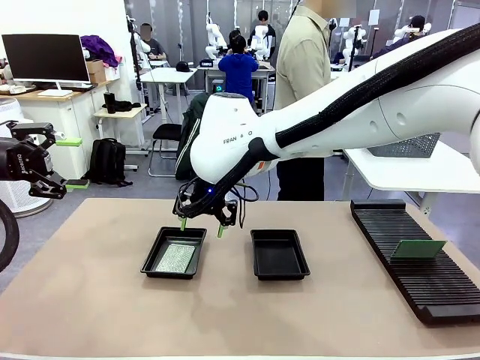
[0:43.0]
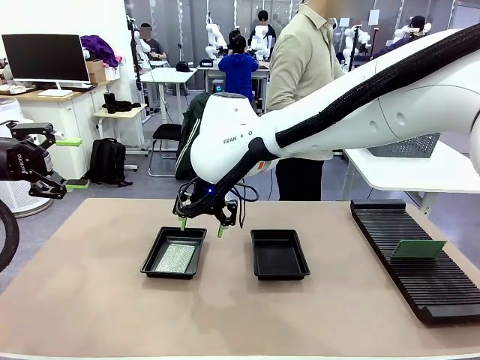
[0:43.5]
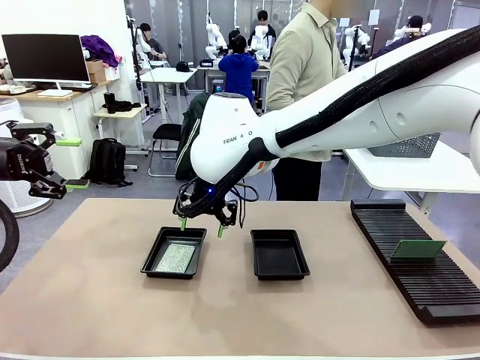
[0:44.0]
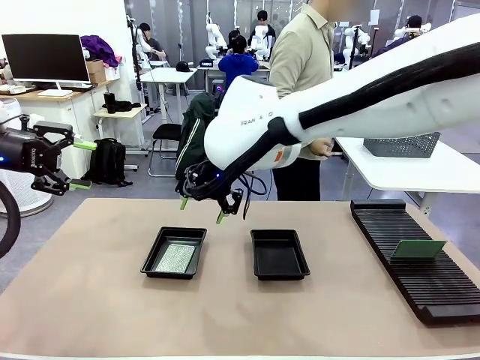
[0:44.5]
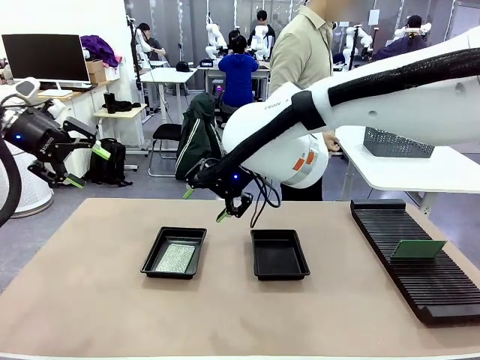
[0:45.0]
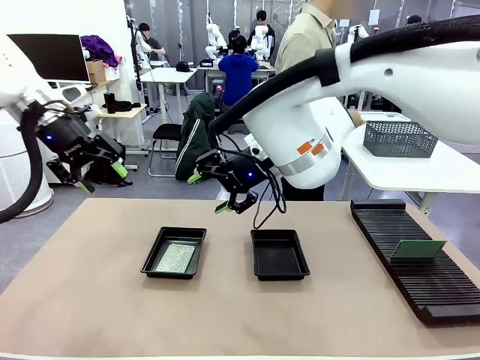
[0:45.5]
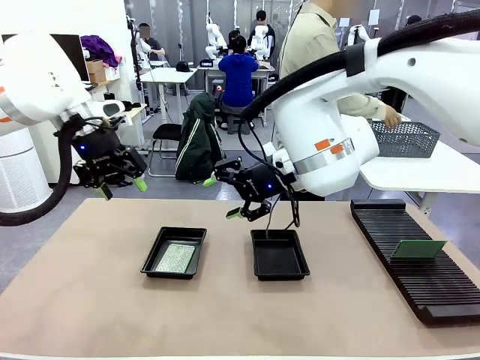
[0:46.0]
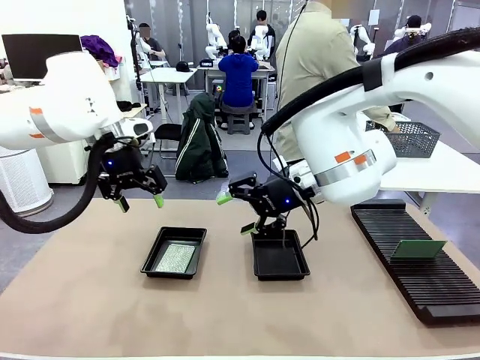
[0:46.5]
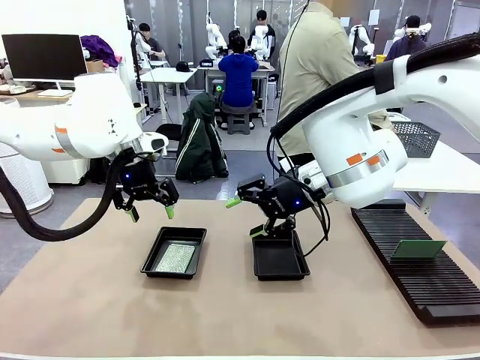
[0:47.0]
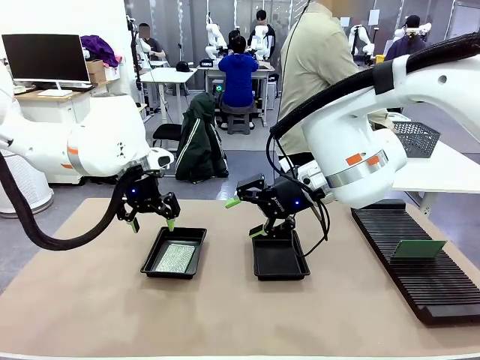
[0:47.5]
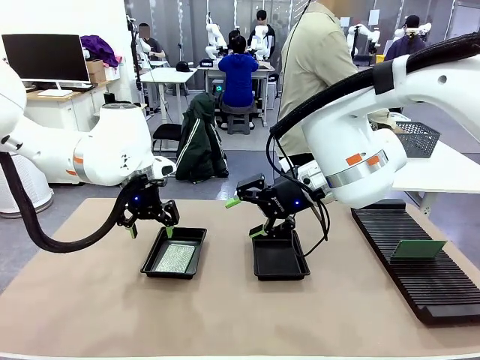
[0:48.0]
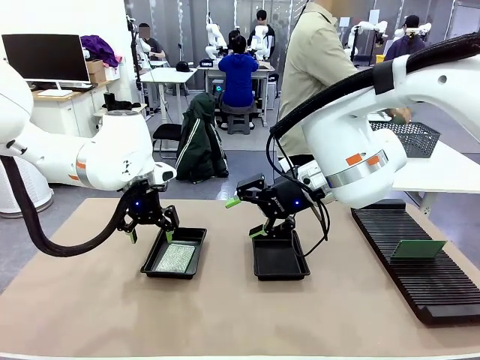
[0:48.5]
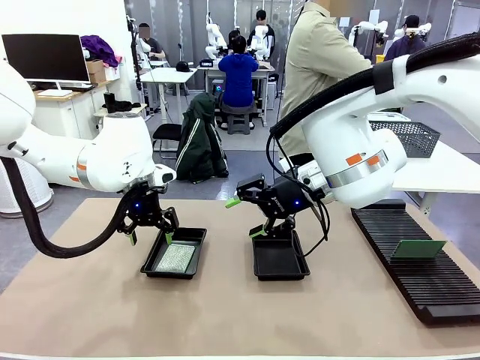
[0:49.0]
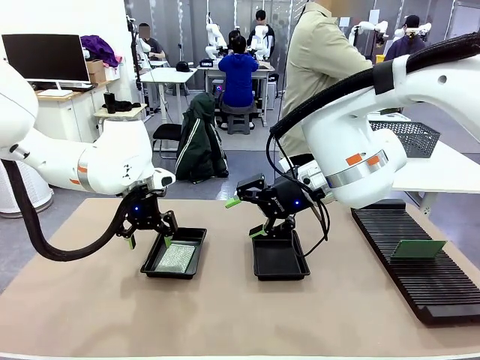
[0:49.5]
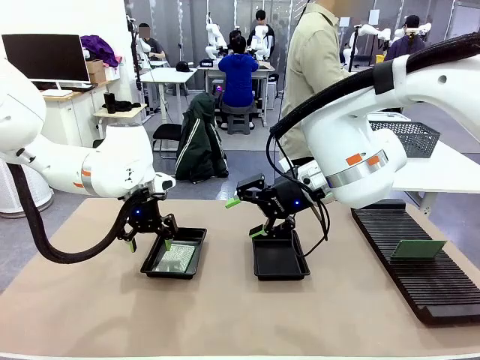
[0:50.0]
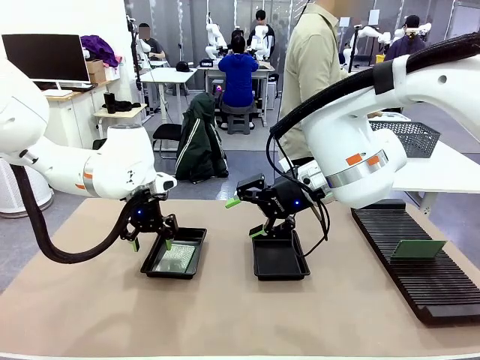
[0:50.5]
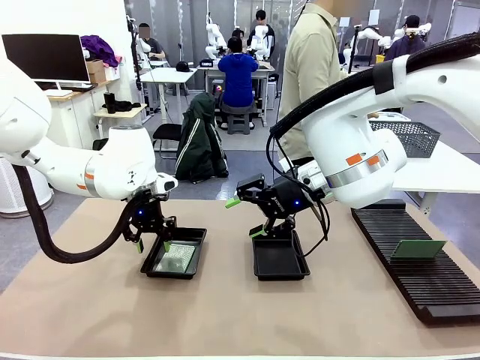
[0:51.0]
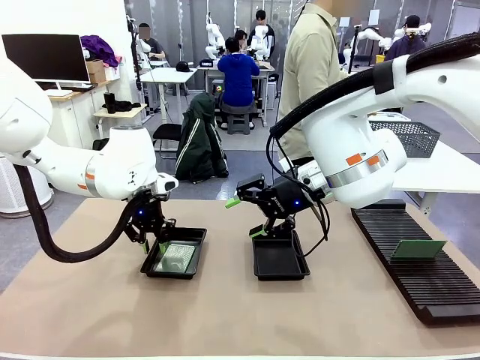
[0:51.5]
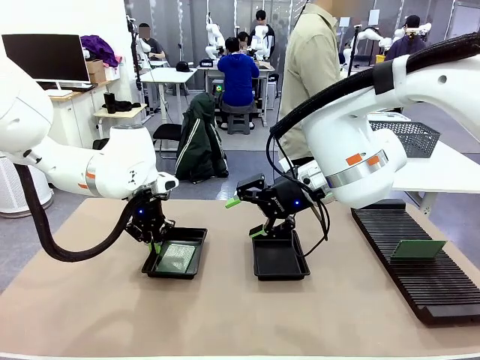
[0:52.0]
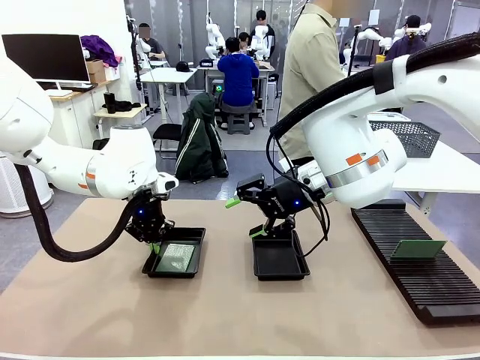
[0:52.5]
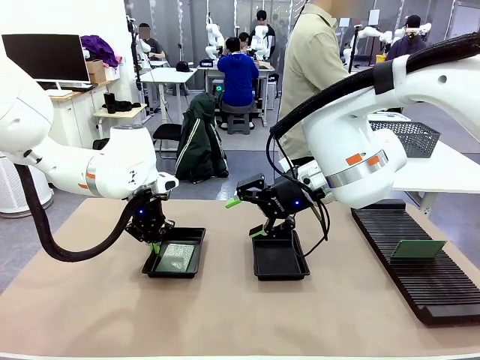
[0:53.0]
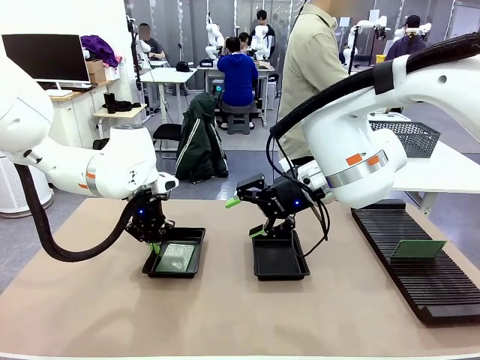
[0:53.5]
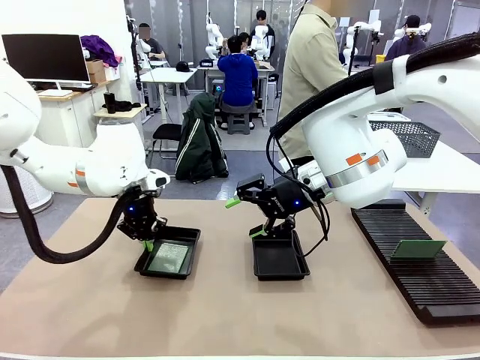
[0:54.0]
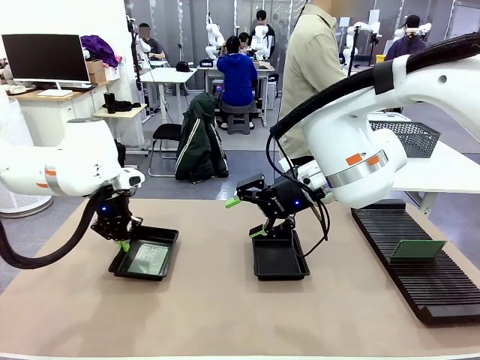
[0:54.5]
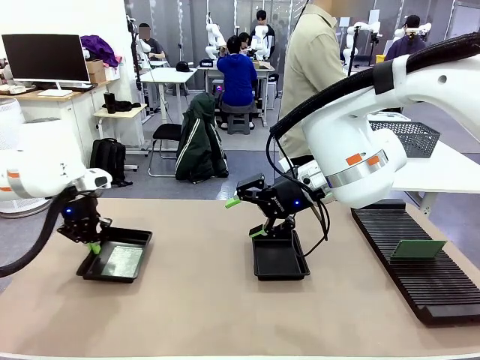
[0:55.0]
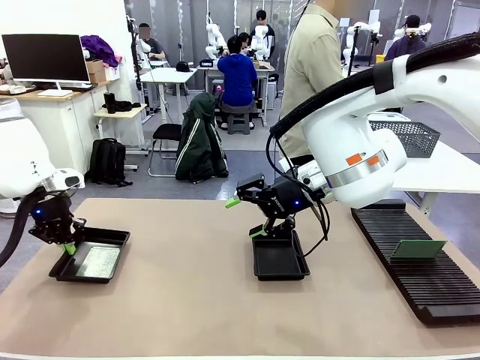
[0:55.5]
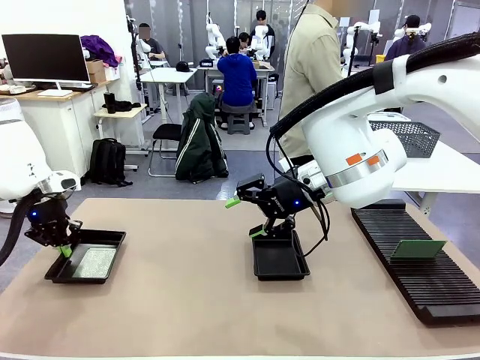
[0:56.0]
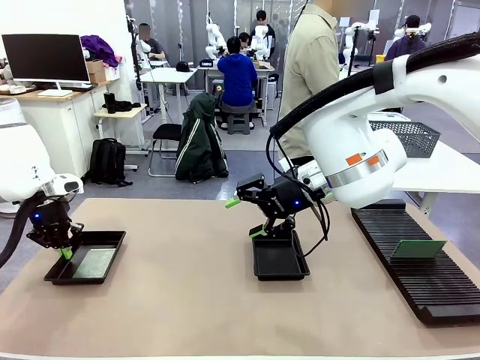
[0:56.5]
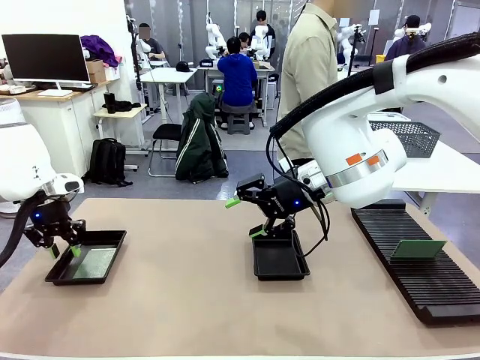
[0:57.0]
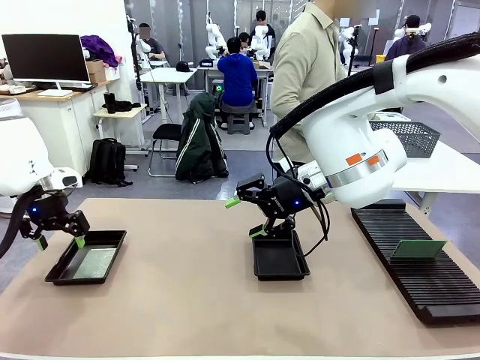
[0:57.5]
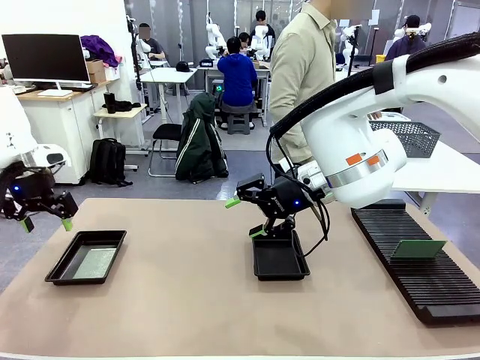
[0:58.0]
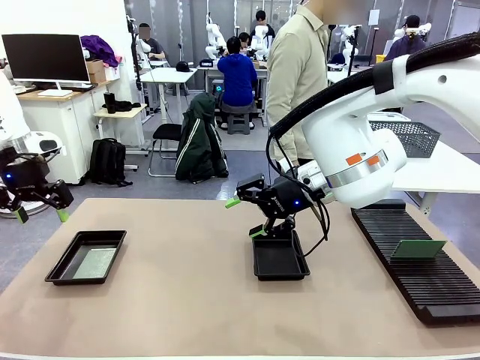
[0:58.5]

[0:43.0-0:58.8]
Task: Inspect and transfer BCBs to ESD trays.
Robot: Pick up the ESD tray and place it on the left side of the table.

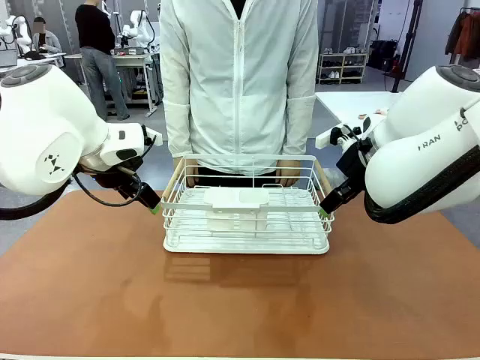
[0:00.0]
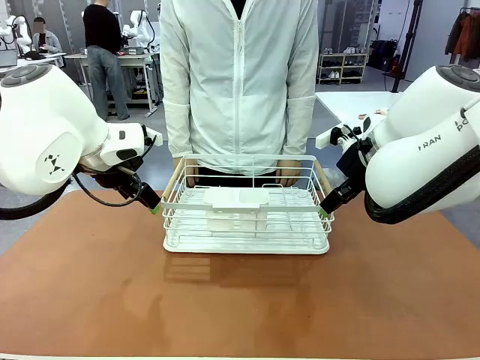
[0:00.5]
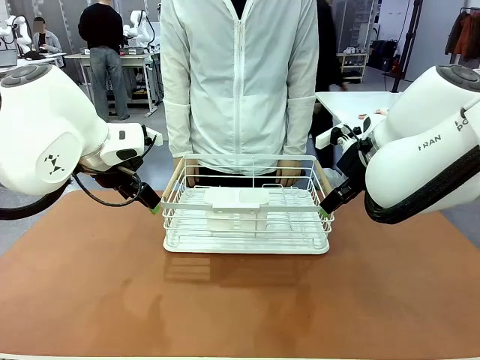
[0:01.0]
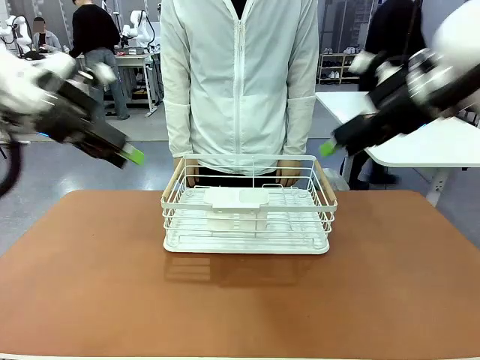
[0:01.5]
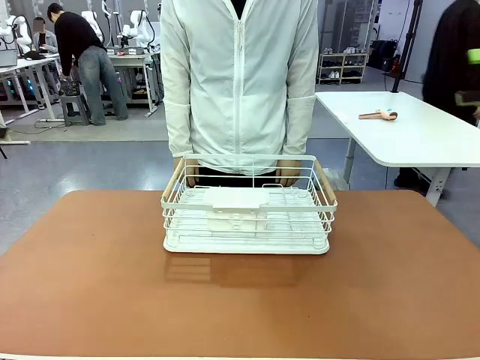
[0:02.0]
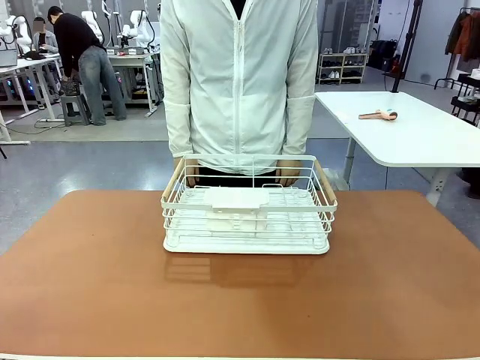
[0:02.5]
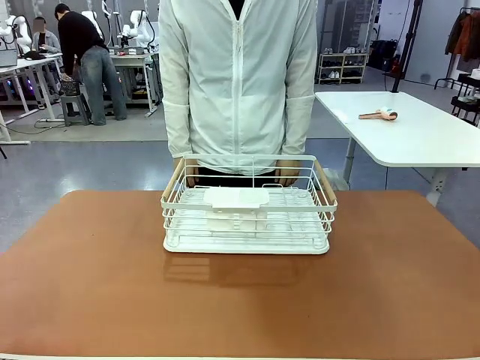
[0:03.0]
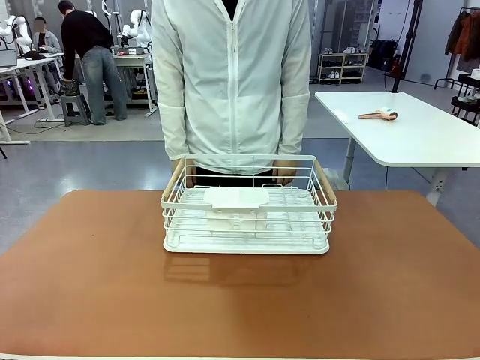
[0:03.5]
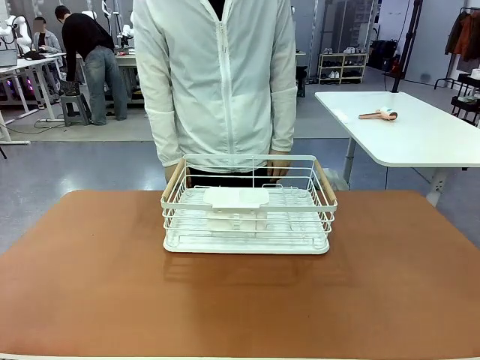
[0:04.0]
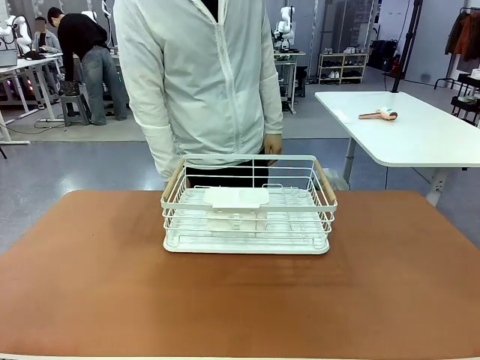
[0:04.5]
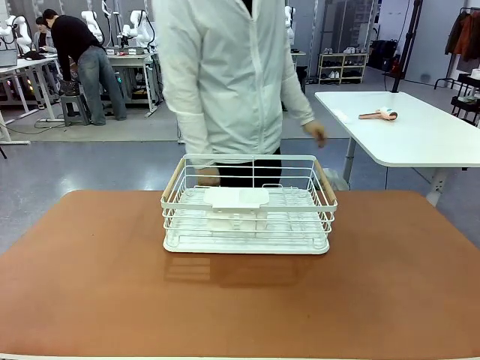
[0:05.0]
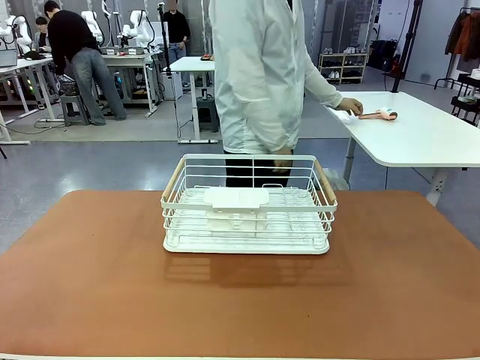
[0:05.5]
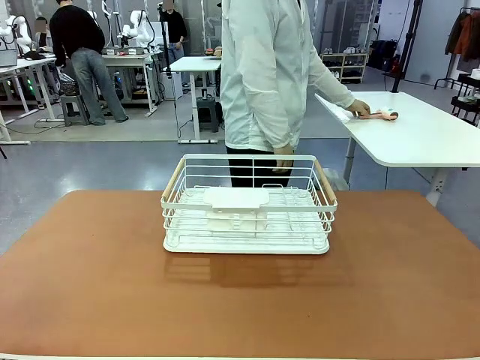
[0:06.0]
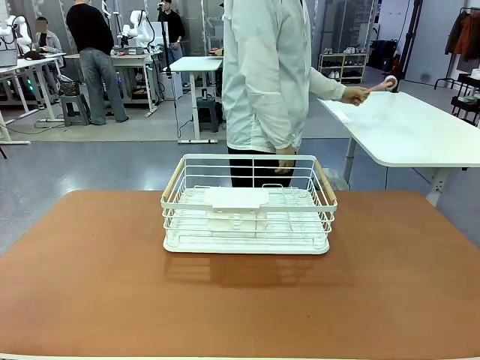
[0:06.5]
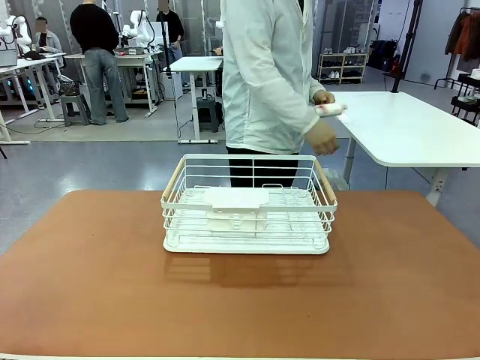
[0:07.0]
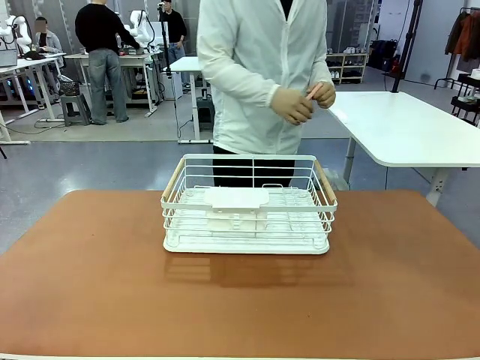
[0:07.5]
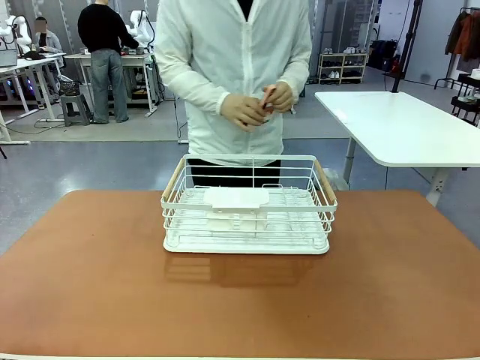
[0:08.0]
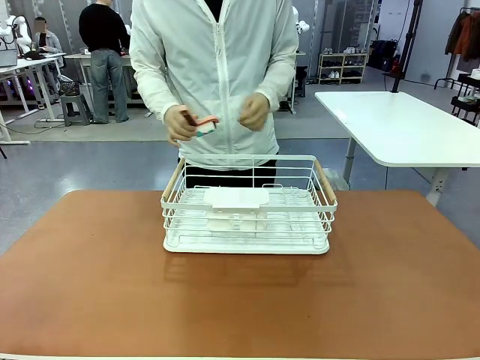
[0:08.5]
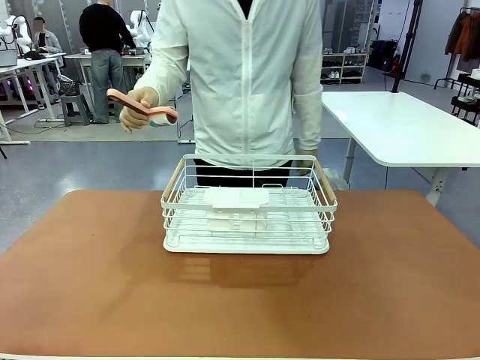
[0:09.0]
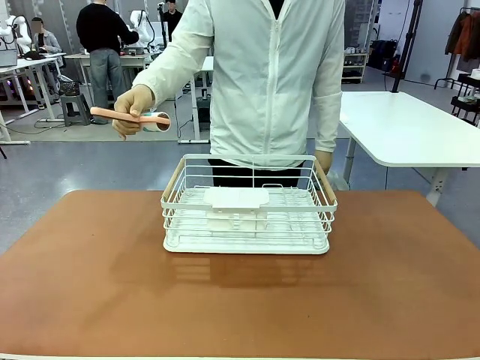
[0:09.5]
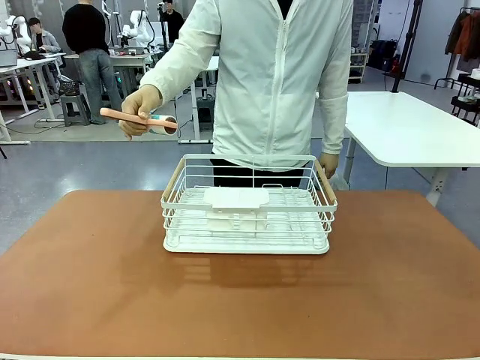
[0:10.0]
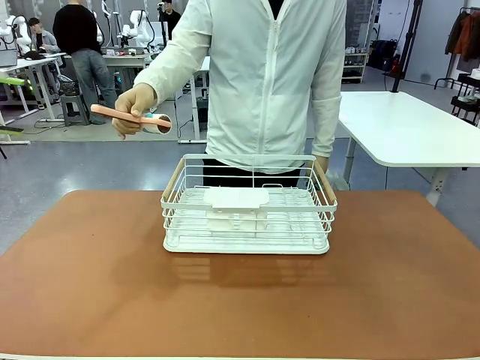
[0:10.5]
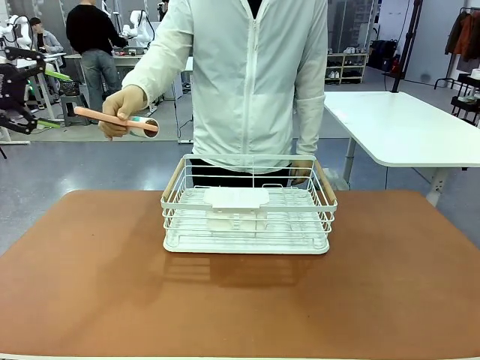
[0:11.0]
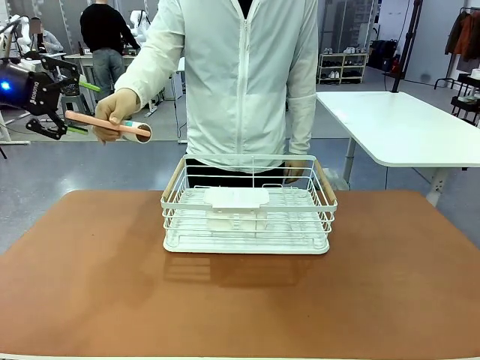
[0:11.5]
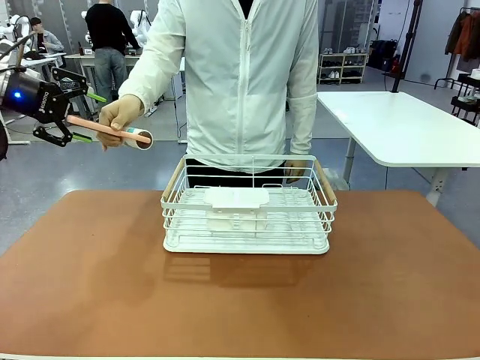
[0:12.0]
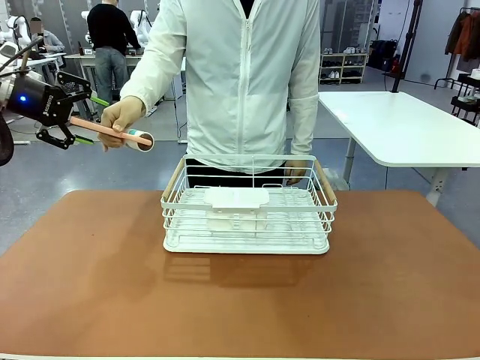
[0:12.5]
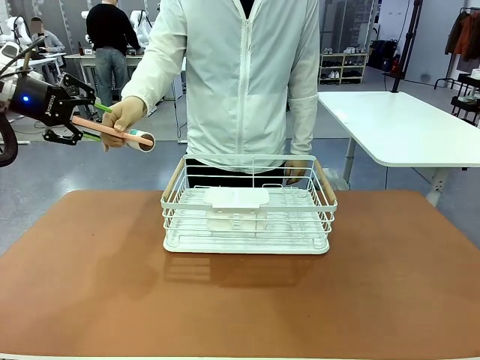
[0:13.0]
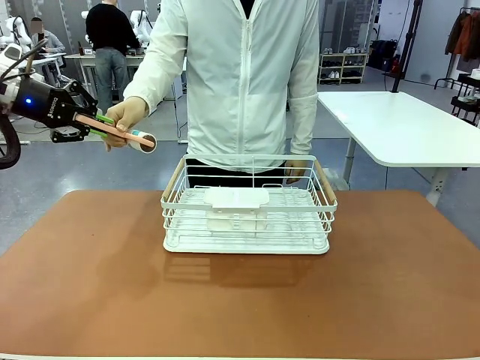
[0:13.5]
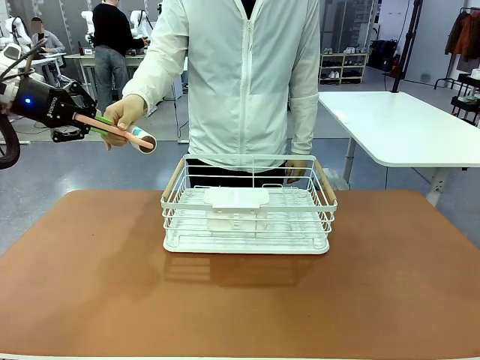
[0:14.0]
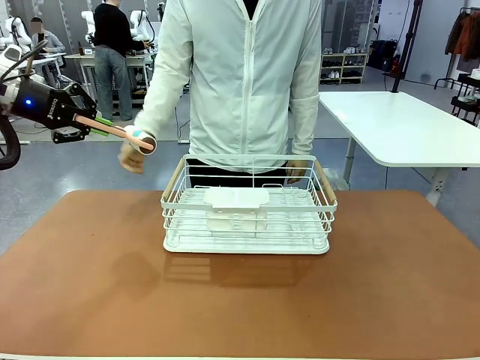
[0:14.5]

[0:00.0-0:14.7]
Task: Clean the table.
Robot: Pick up the Lint Roller when the human hands it over.
Person: Hand the Lint Roller to the robot so it can easily pick it up. Lift the Dish drying rack.
